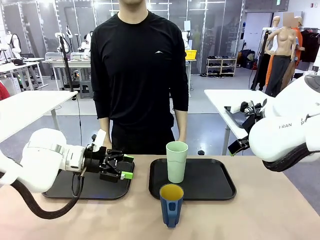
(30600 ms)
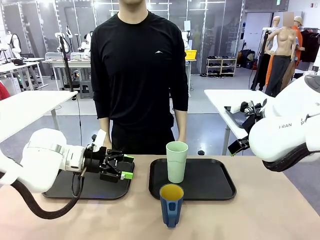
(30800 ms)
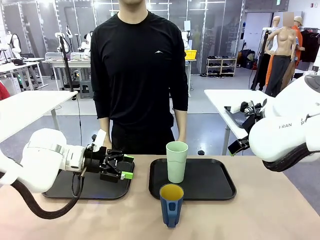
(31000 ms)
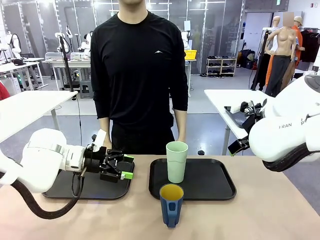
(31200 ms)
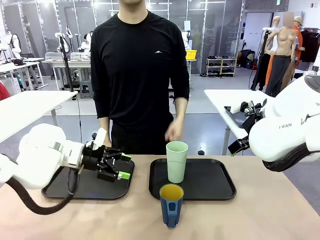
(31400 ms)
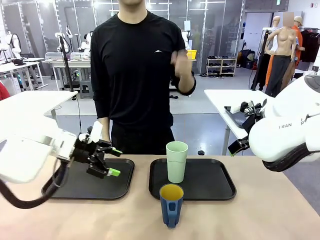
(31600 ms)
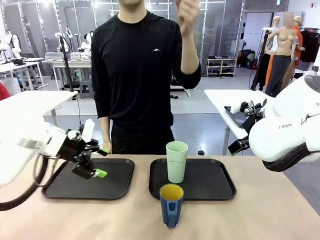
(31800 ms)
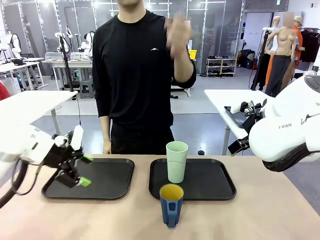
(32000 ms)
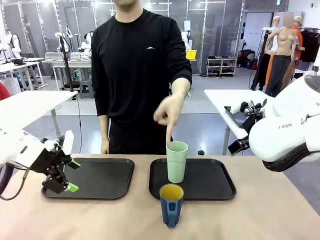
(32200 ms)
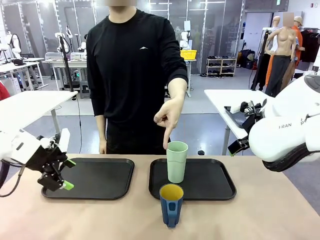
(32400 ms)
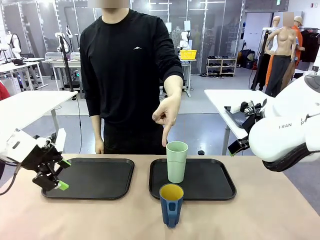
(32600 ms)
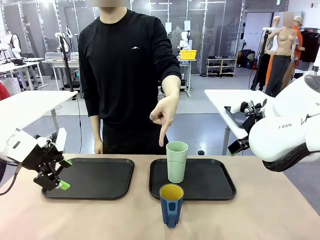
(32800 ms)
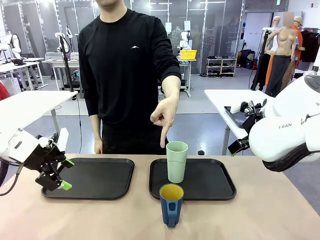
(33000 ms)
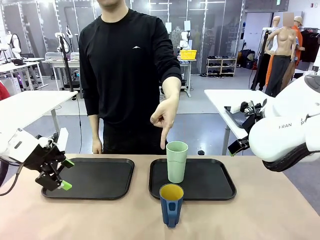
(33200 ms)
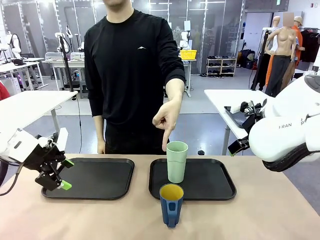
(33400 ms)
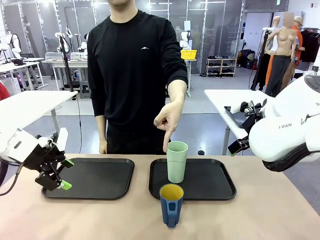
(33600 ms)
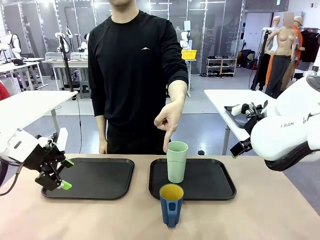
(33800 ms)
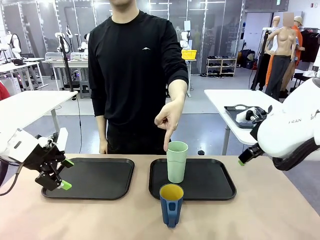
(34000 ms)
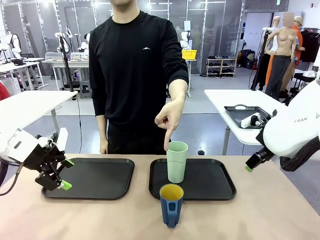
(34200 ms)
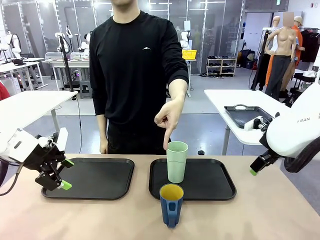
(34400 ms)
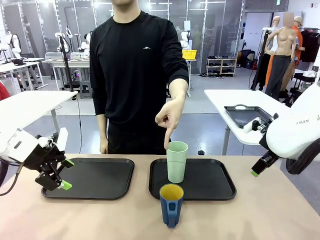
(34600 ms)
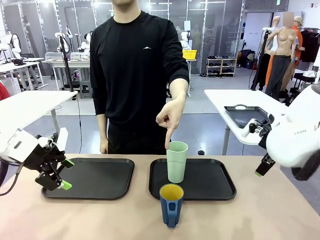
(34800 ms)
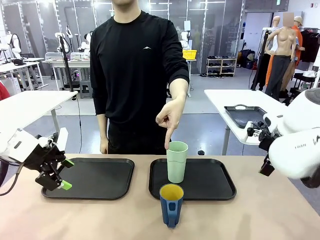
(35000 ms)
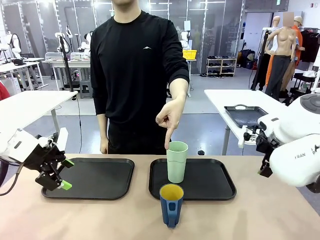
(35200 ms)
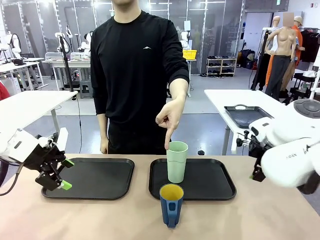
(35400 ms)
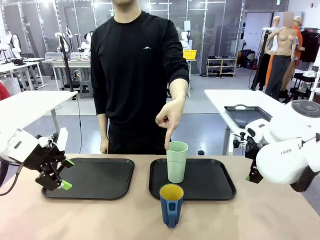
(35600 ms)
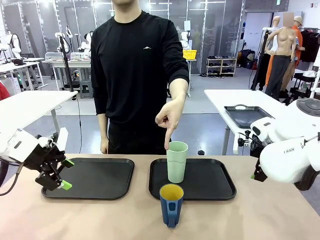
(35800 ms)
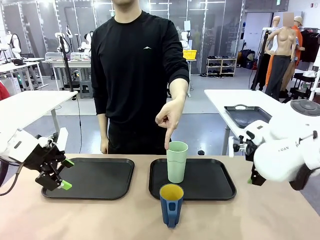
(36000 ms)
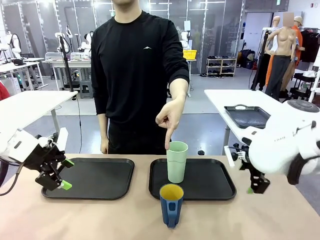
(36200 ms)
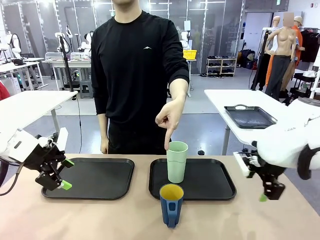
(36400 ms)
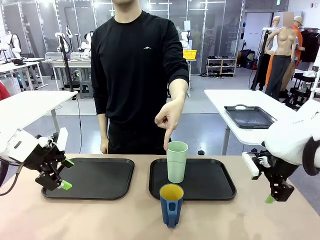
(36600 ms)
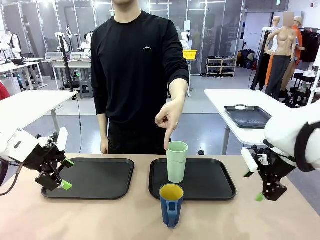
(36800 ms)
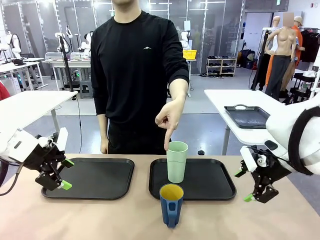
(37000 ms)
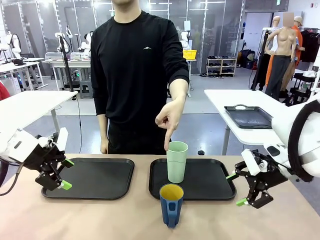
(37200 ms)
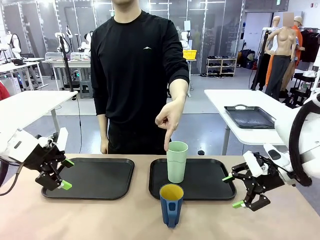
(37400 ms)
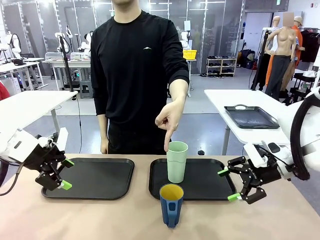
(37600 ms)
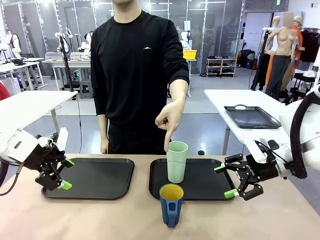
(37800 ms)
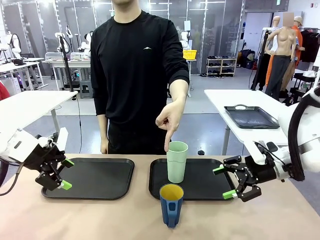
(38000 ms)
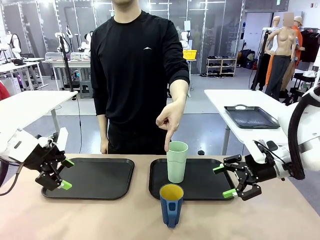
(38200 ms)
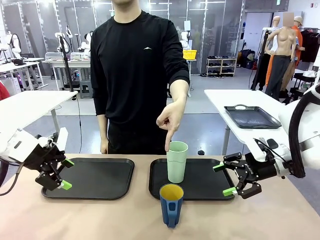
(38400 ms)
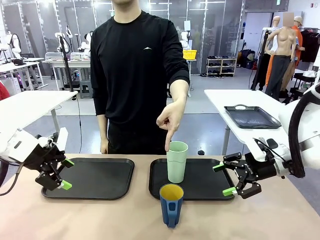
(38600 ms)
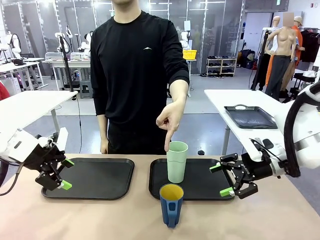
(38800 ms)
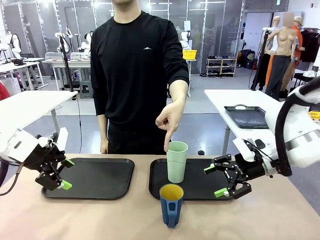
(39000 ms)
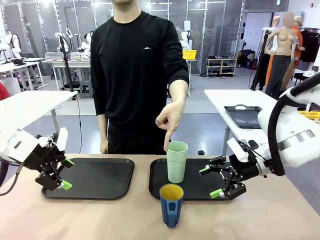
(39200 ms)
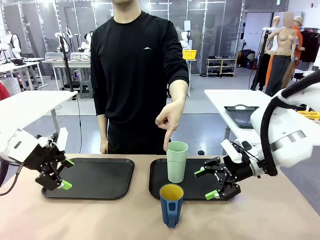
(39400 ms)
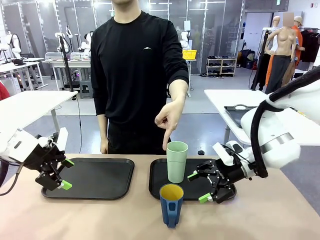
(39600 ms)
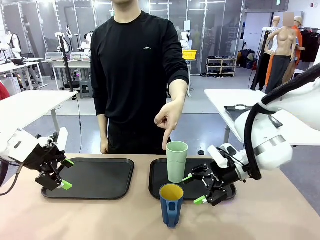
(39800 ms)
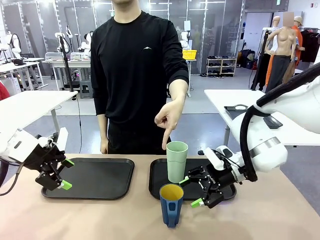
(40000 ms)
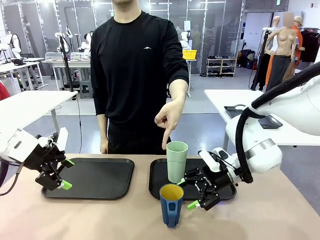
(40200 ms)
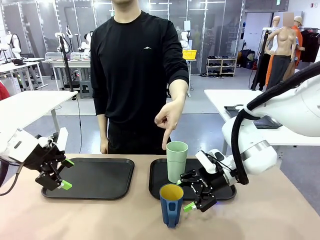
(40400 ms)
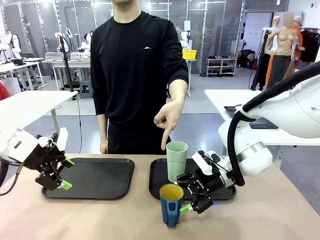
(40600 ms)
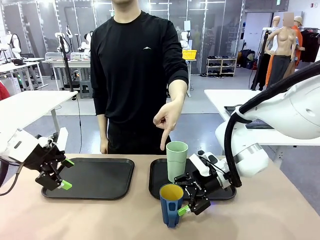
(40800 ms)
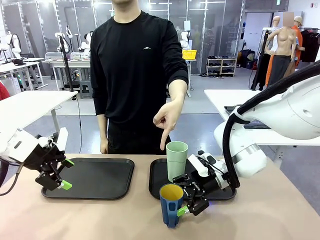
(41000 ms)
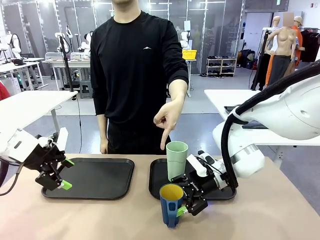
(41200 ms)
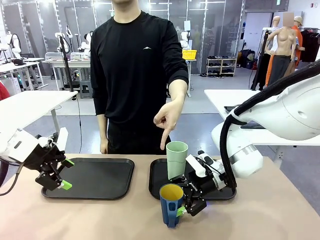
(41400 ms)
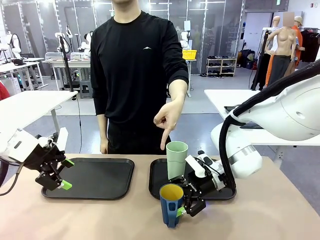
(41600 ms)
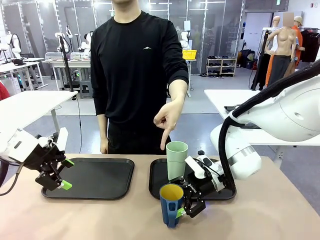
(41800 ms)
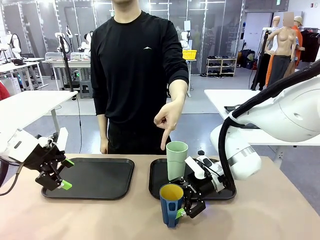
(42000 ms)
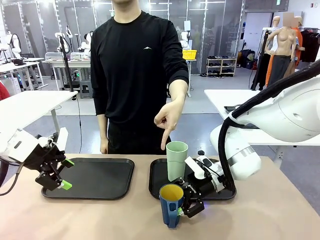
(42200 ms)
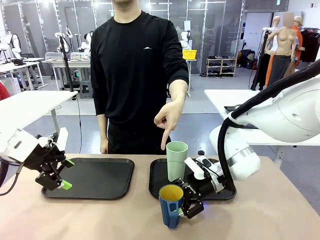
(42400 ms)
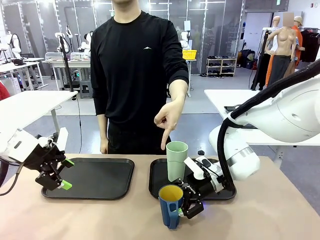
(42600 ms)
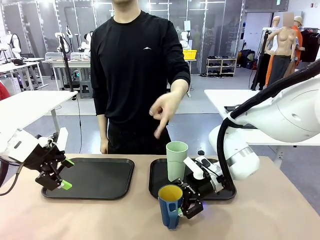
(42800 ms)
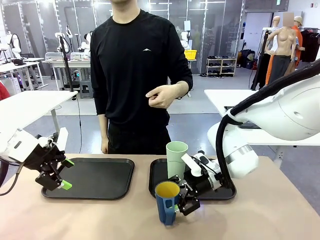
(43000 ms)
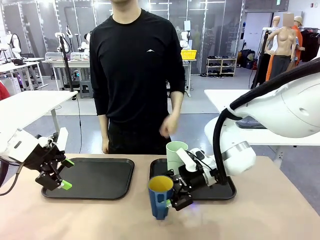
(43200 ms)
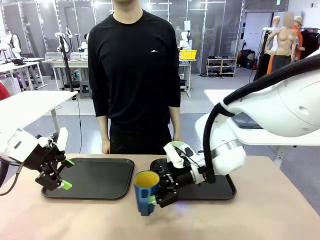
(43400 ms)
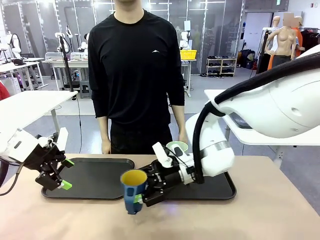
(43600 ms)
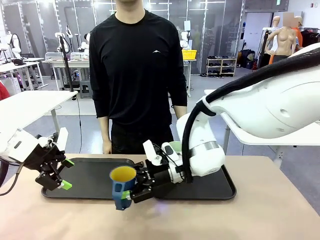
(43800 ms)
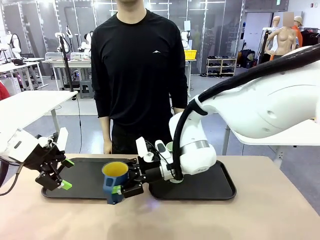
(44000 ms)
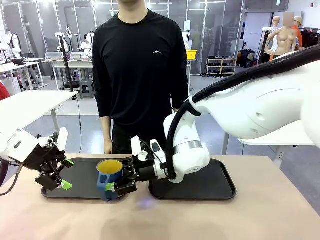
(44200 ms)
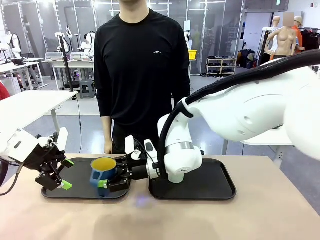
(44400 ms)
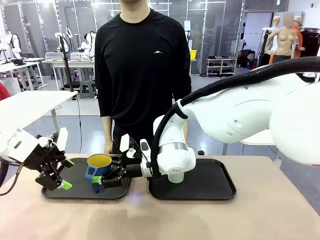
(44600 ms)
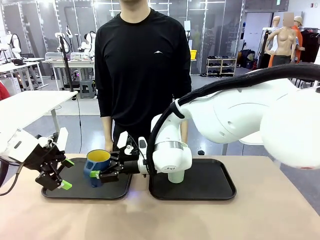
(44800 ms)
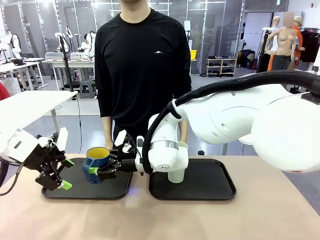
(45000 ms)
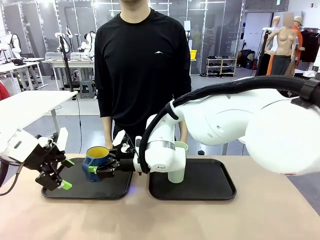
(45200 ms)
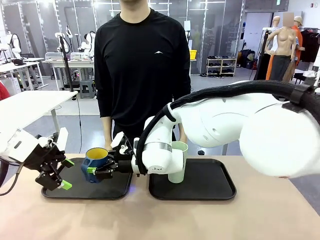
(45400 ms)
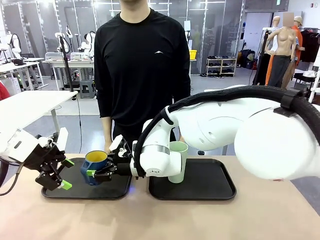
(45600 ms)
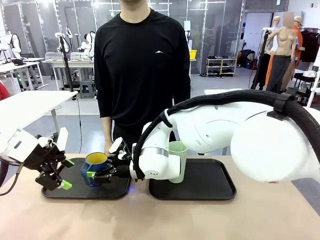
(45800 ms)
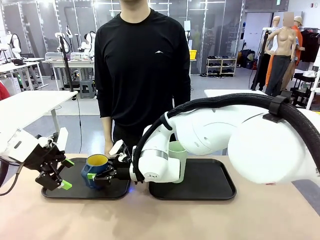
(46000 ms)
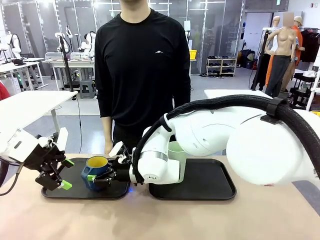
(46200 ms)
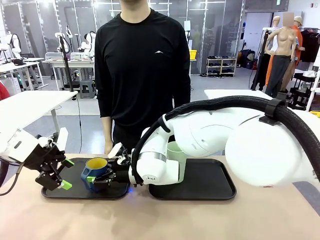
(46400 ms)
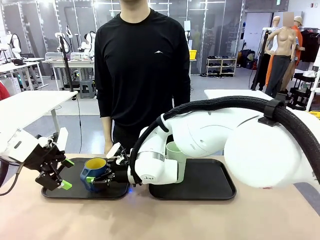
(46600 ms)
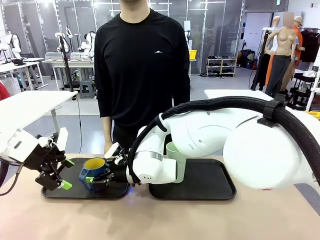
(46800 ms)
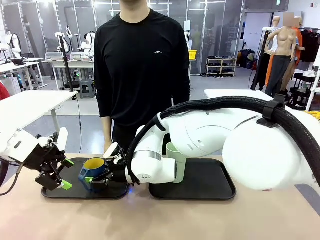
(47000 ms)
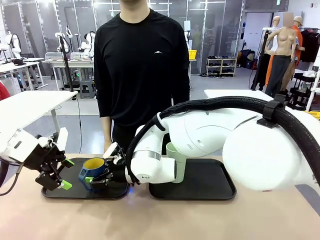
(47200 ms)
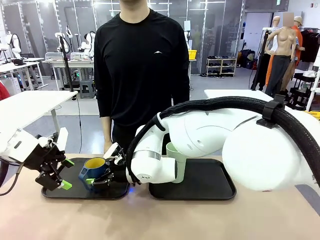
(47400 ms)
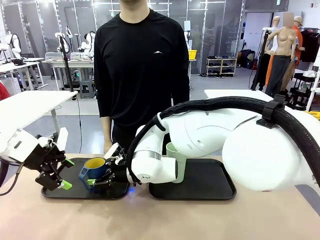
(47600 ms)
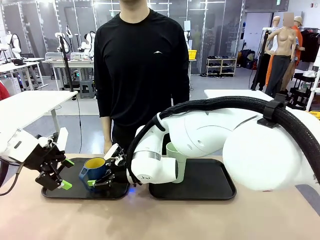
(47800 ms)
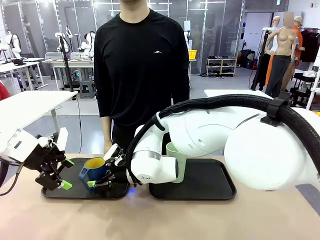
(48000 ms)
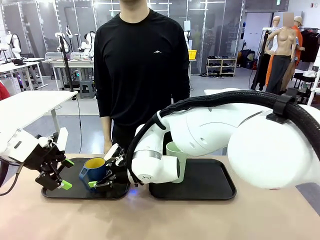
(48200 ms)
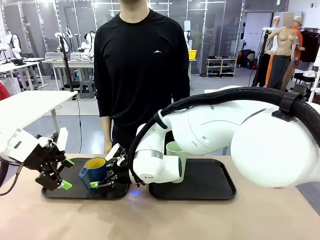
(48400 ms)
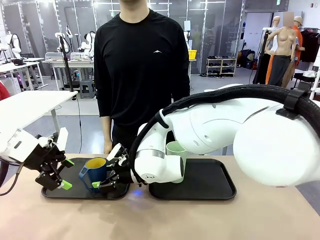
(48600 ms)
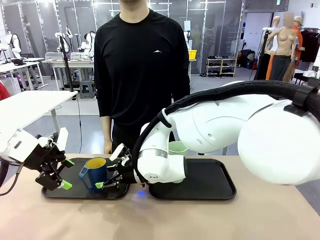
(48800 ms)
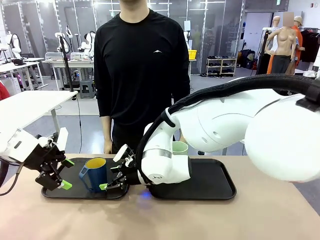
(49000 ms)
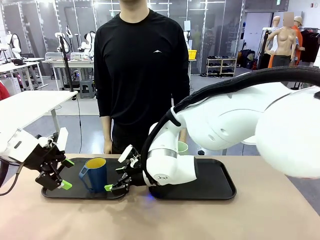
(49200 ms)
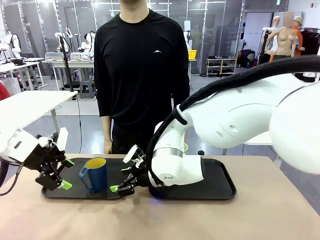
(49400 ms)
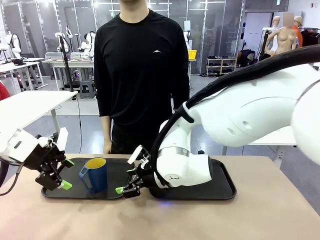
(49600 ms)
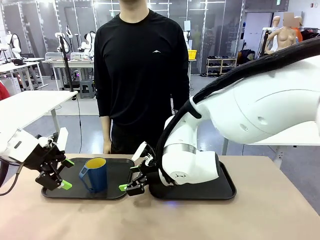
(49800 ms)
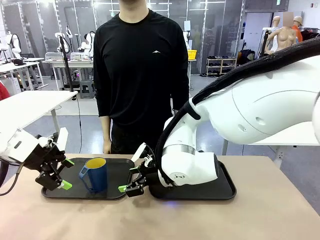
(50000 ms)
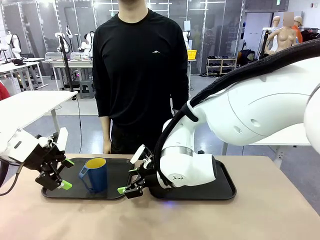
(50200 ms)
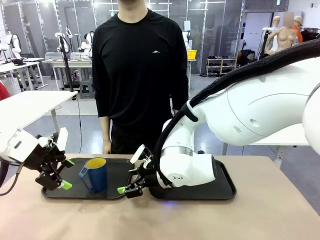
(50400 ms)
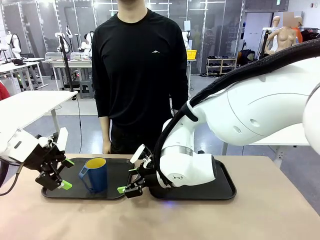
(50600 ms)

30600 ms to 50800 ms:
Task: Sort and store the cups by type.
Robot: Pick up the Handle plastic cup and place it into the empty Flat Tray.
Person: Points to the cup with a handle.
